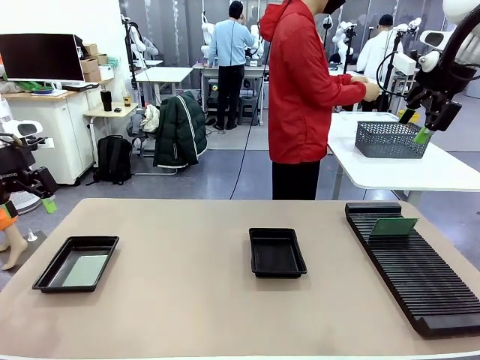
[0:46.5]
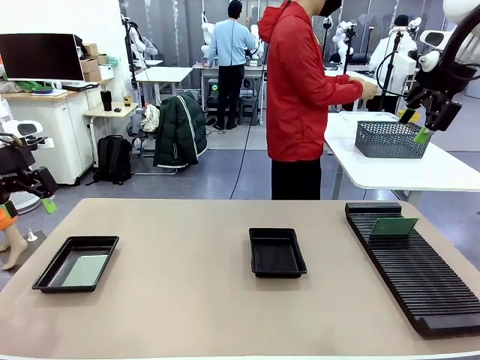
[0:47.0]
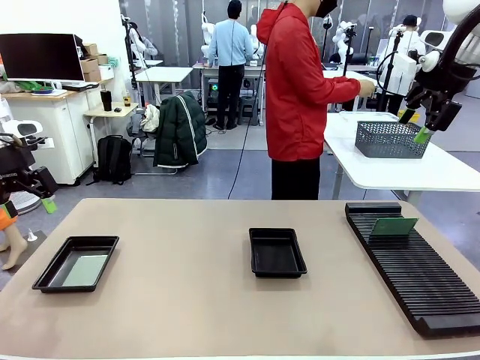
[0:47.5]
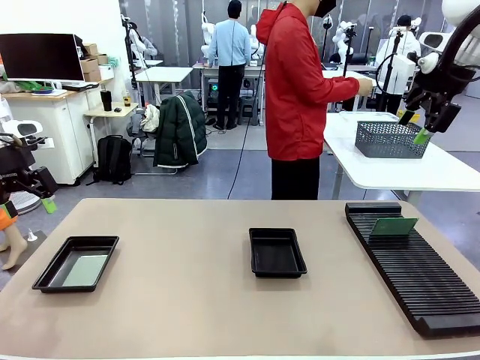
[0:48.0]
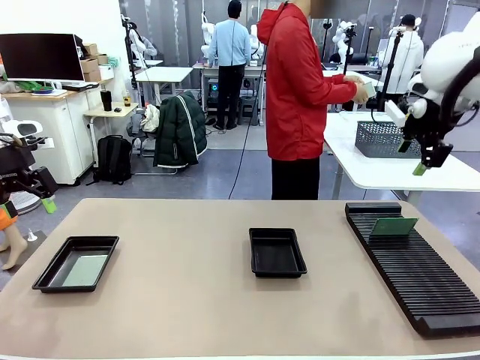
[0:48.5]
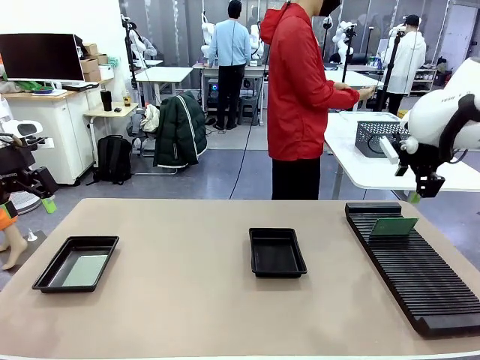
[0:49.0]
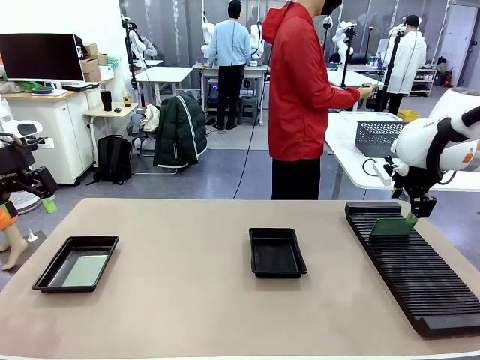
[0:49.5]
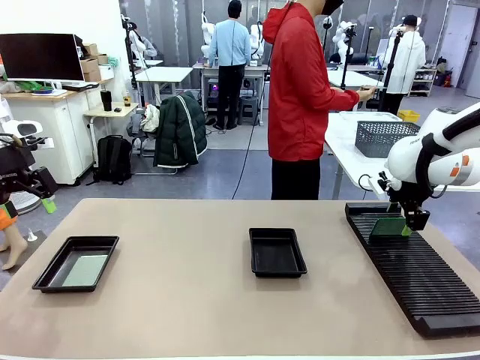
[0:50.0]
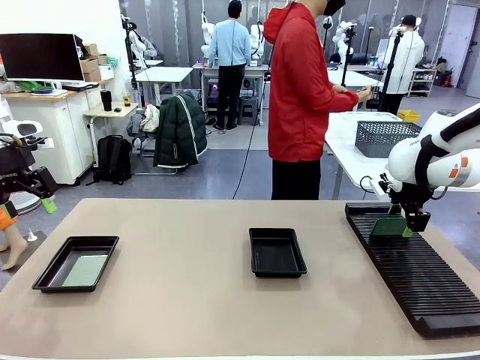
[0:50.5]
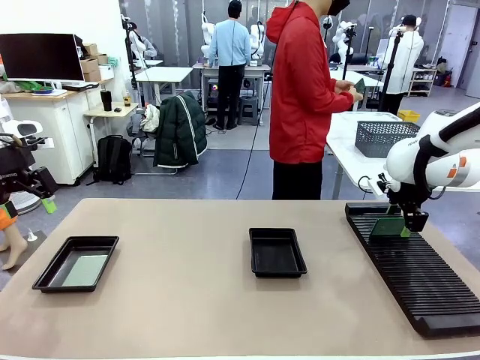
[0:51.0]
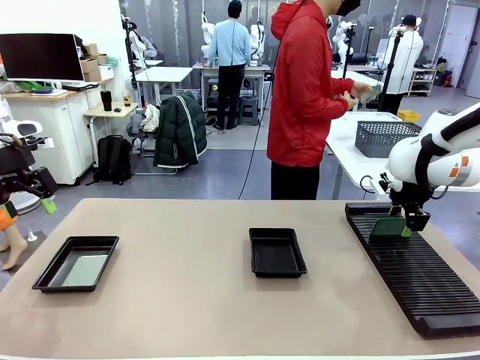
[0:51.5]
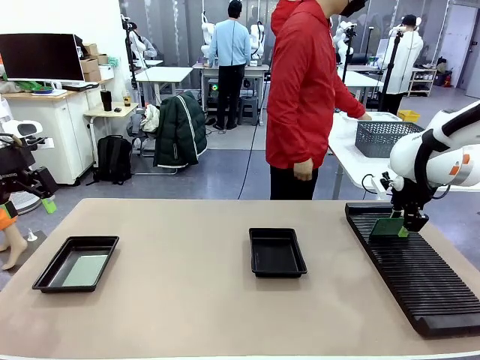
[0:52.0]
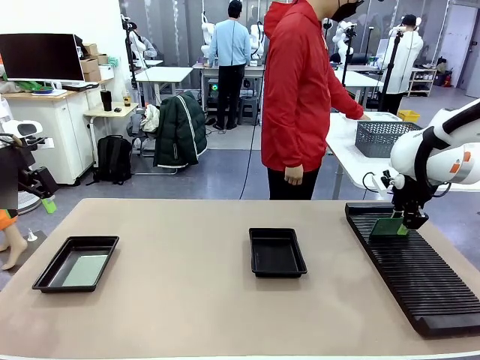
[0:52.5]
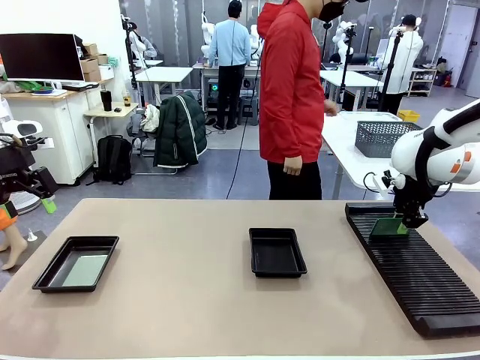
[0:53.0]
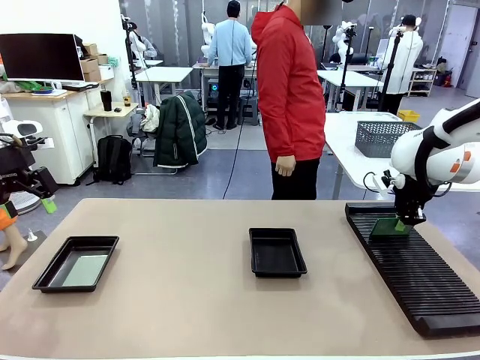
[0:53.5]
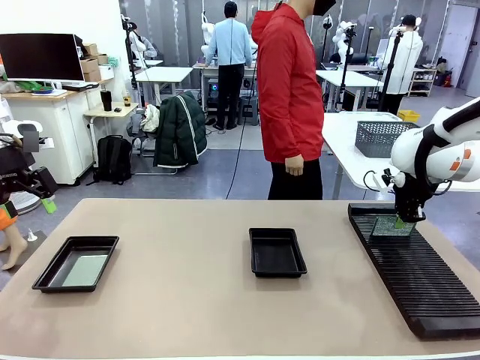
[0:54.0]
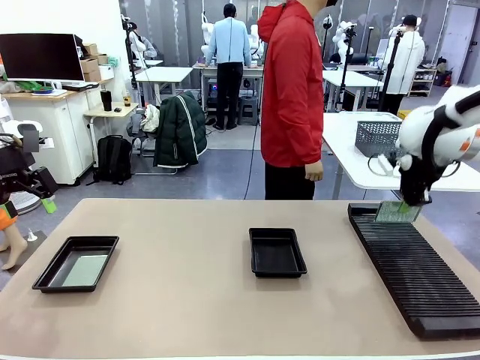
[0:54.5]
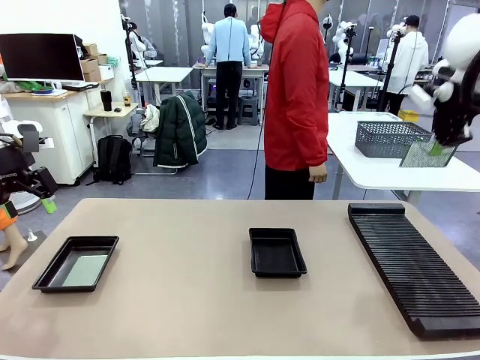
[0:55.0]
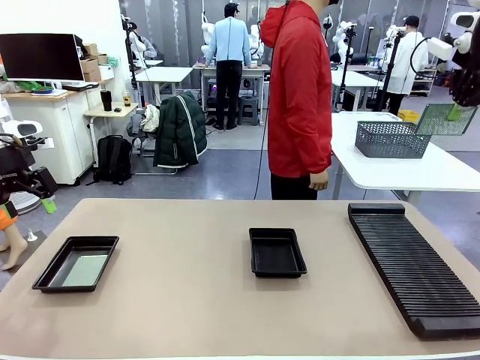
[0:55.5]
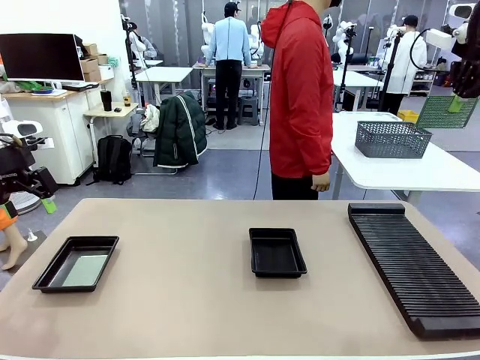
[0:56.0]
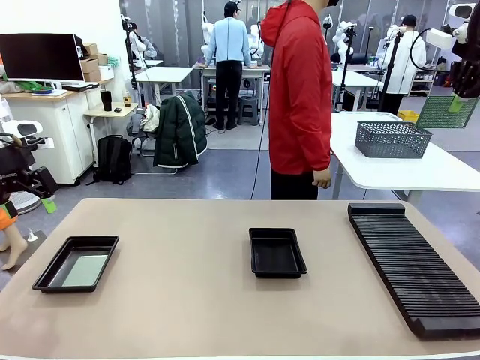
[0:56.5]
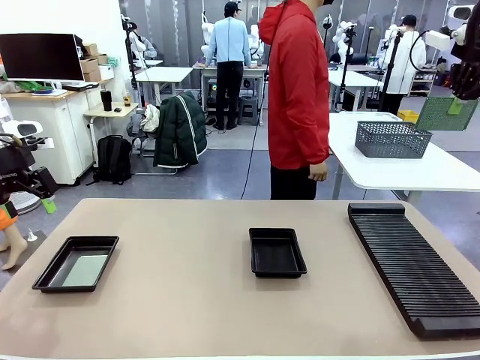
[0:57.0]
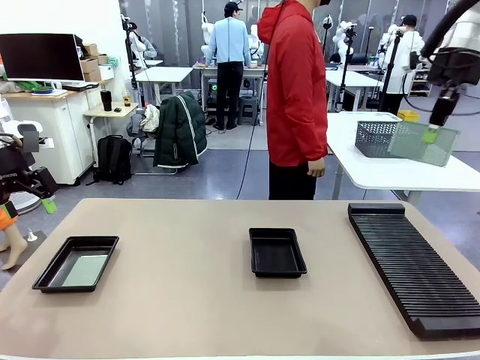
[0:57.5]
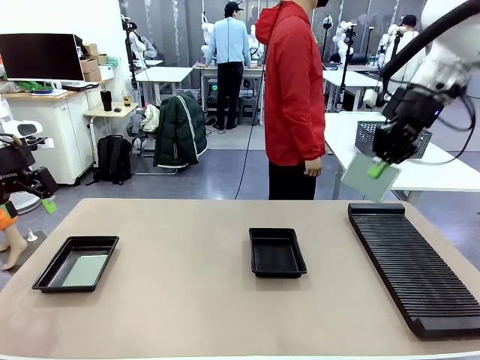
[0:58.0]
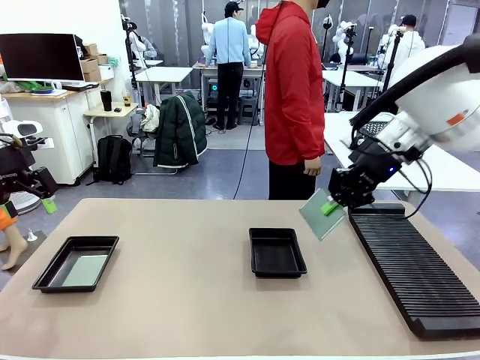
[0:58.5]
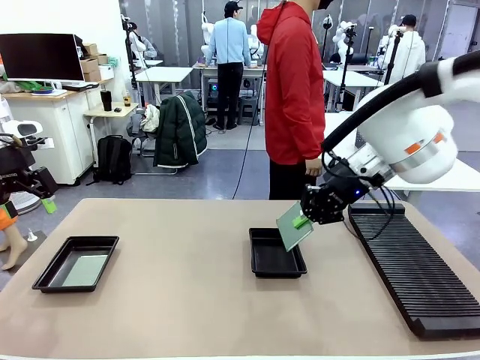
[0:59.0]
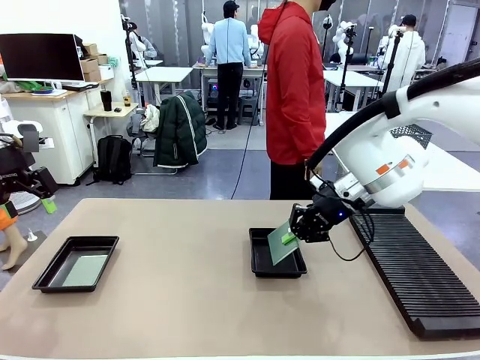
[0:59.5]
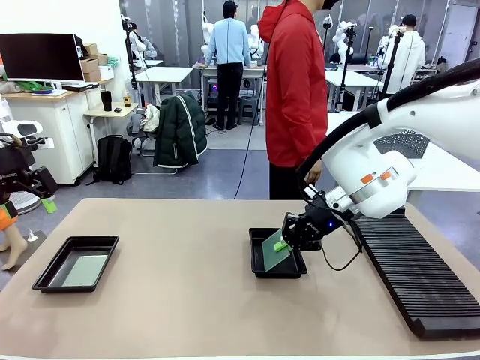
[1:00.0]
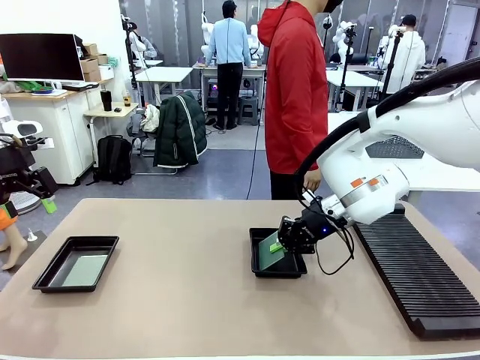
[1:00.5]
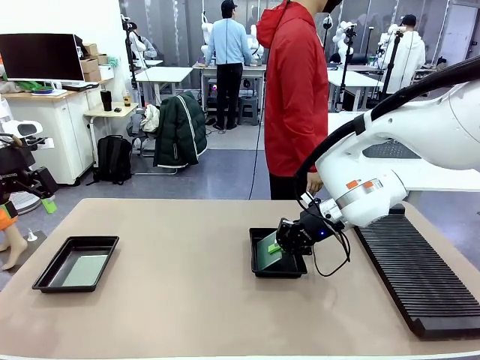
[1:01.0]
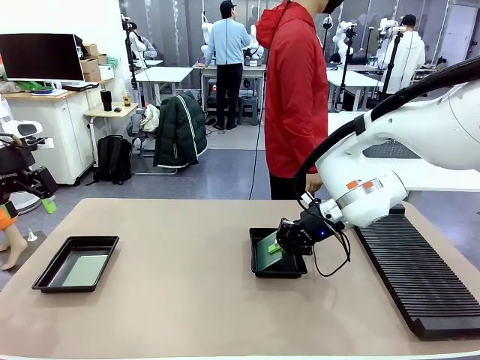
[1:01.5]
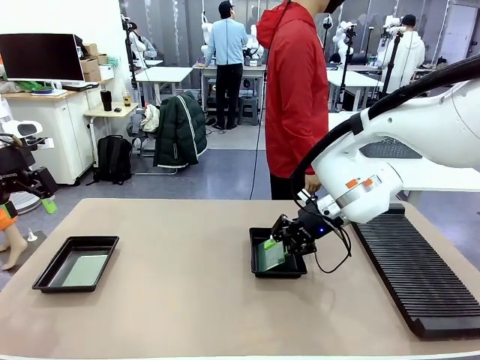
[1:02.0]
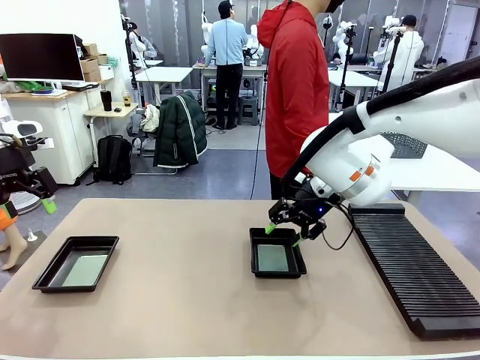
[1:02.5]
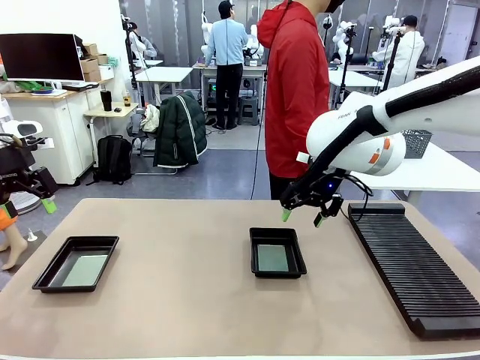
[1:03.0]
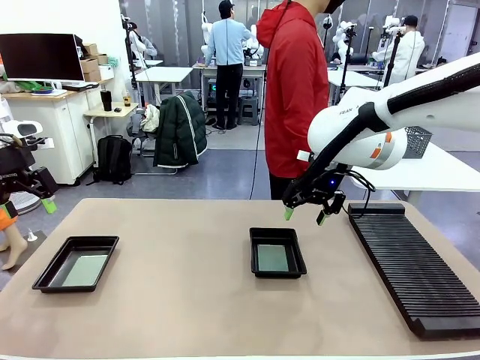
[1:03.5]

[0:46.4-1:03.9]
Task: Inspect and transfer BCBs to ESD trays.
Robot: Pick up the Blank PCB from the PCB Rack and place it in the right ESD tray.
